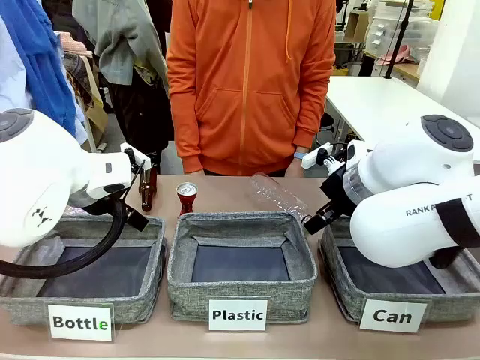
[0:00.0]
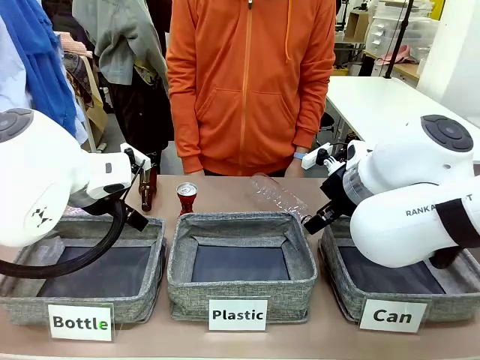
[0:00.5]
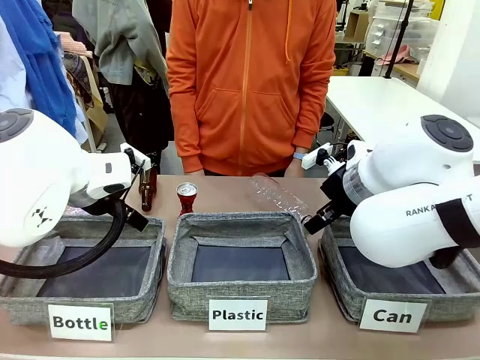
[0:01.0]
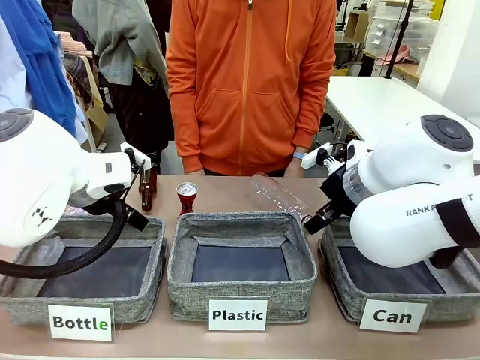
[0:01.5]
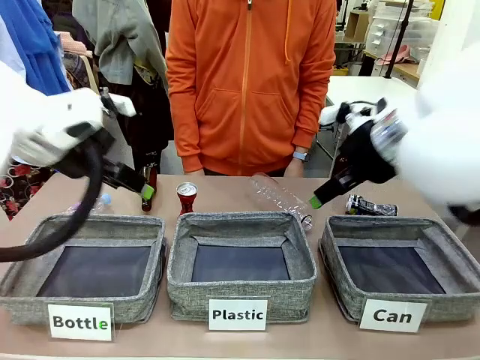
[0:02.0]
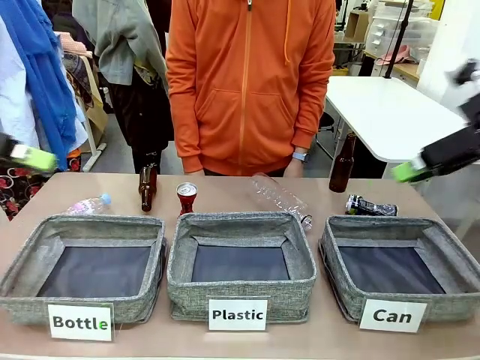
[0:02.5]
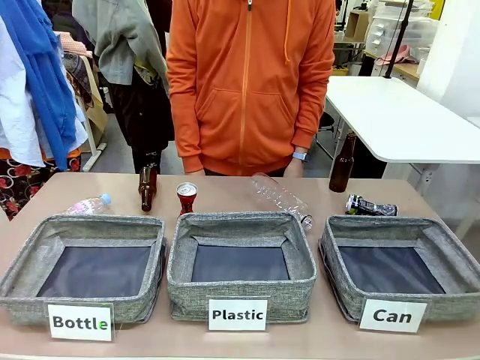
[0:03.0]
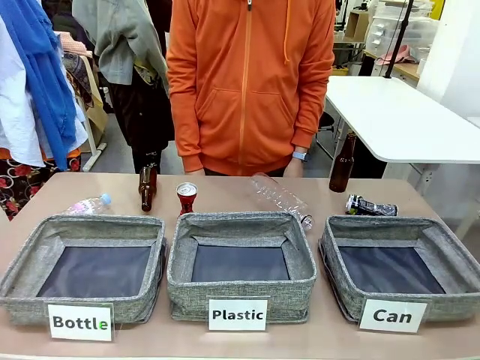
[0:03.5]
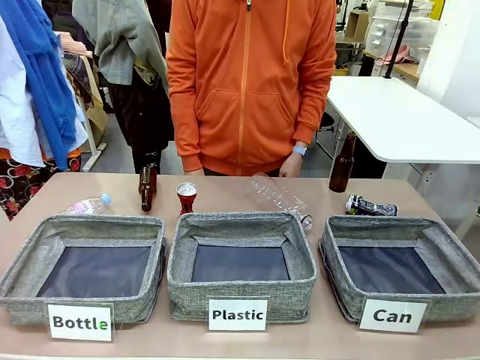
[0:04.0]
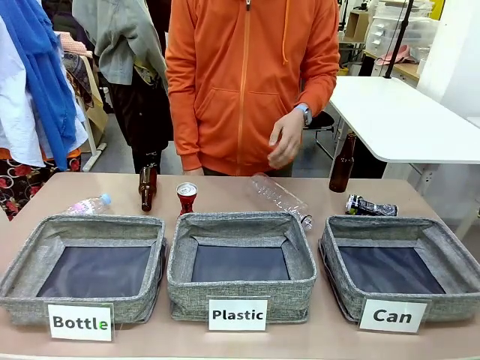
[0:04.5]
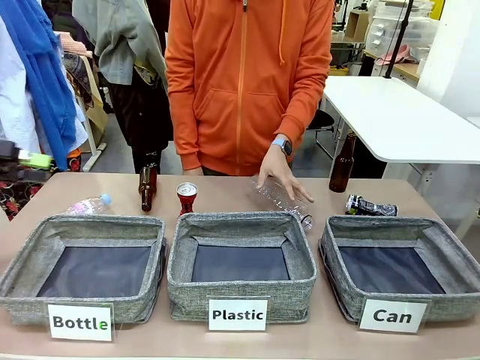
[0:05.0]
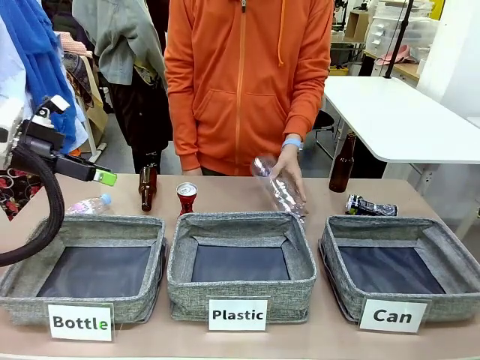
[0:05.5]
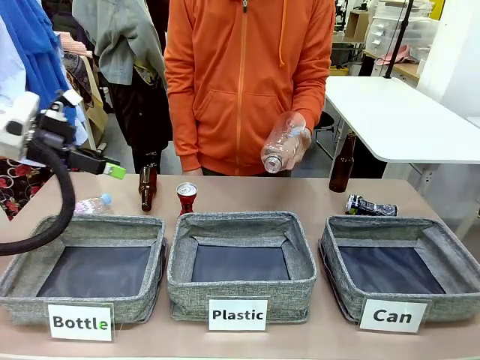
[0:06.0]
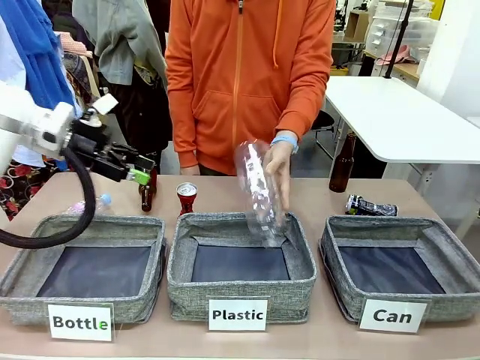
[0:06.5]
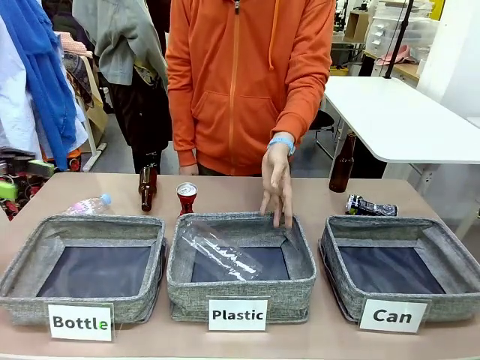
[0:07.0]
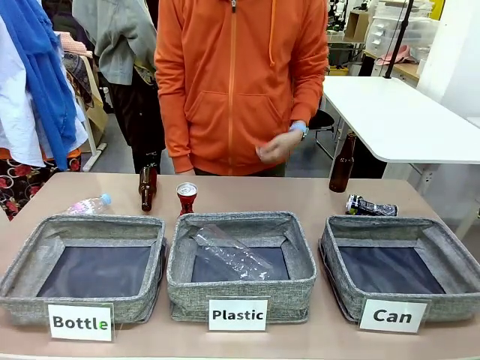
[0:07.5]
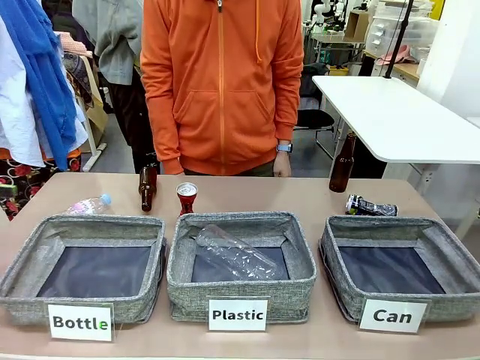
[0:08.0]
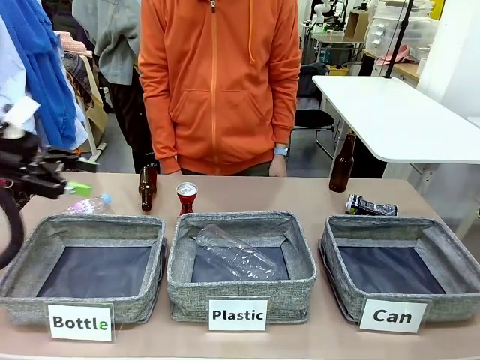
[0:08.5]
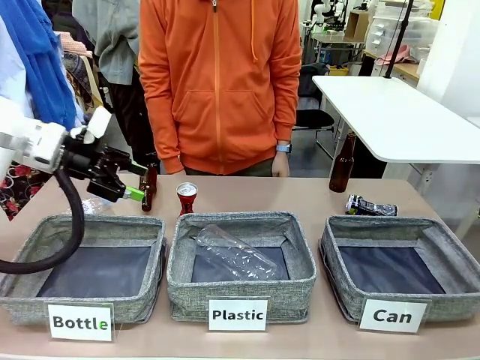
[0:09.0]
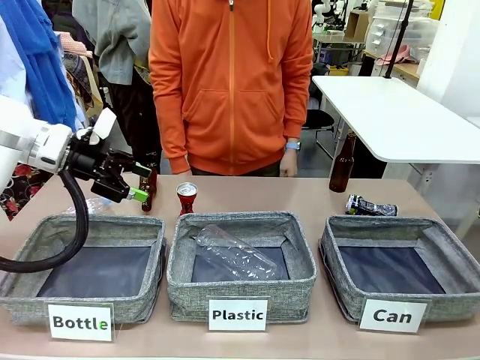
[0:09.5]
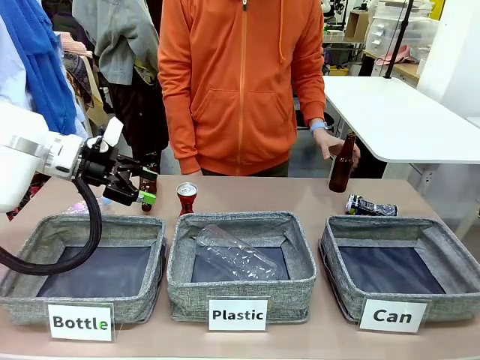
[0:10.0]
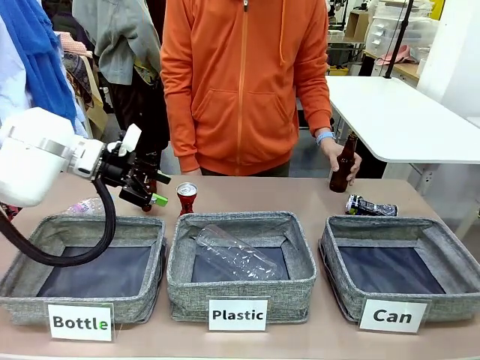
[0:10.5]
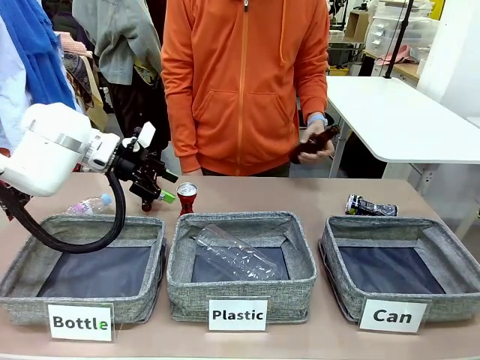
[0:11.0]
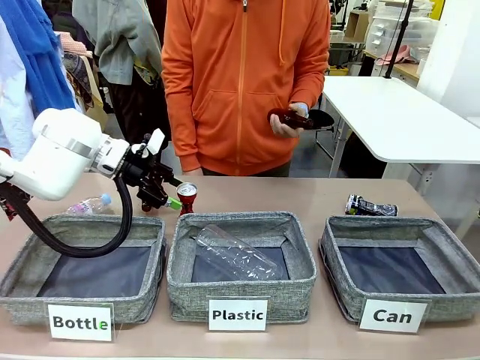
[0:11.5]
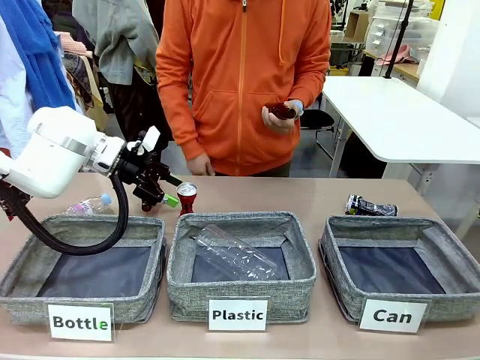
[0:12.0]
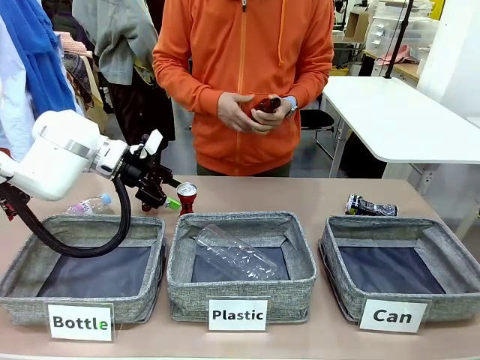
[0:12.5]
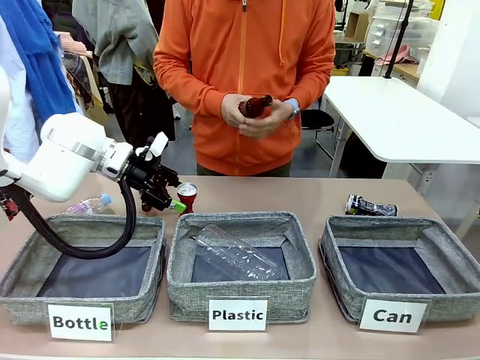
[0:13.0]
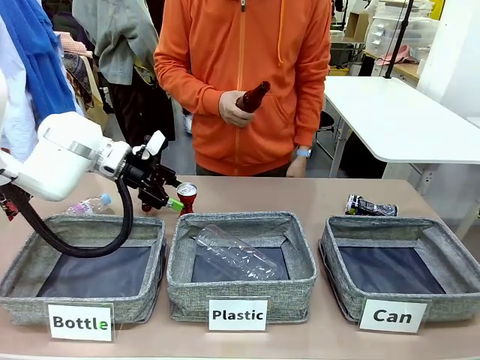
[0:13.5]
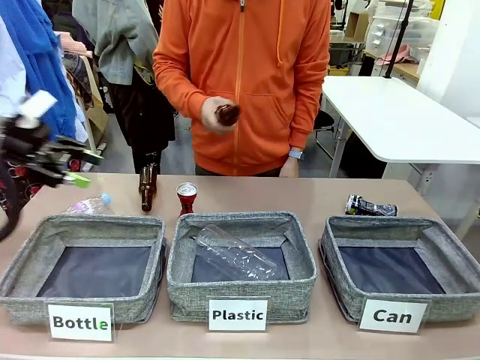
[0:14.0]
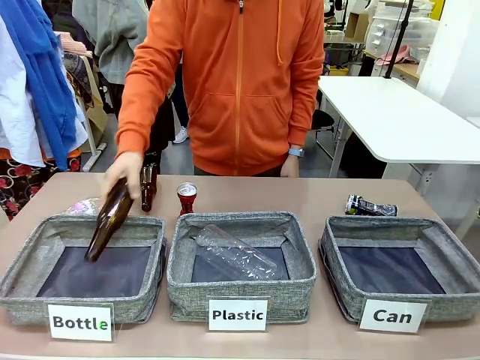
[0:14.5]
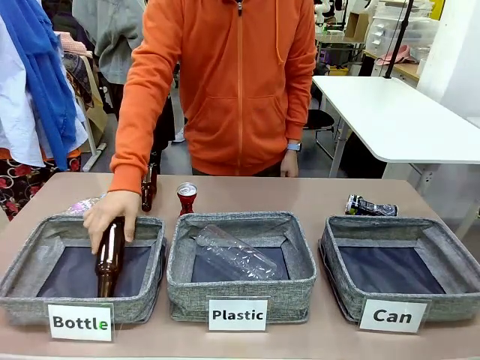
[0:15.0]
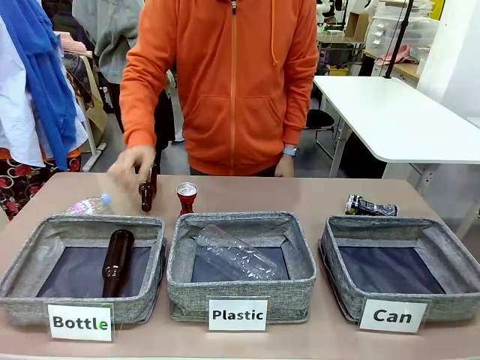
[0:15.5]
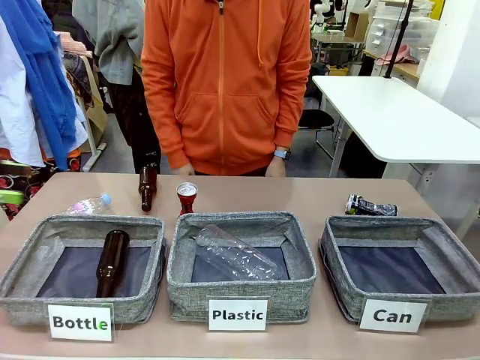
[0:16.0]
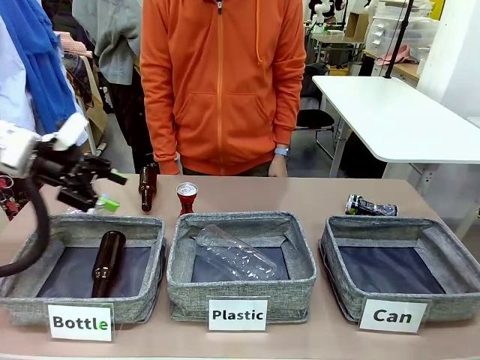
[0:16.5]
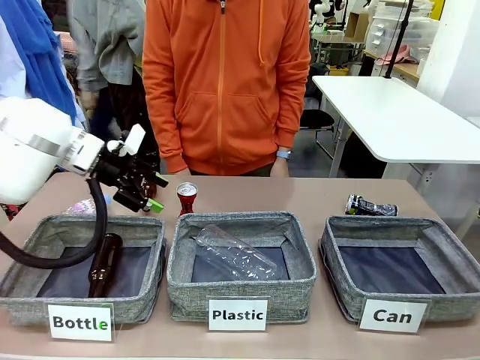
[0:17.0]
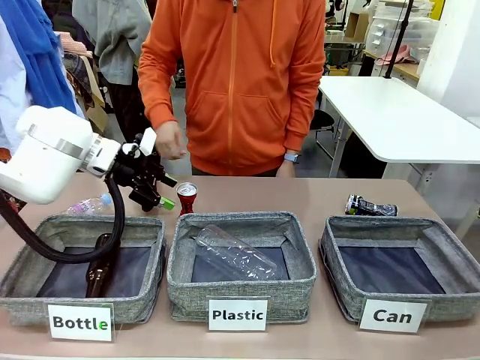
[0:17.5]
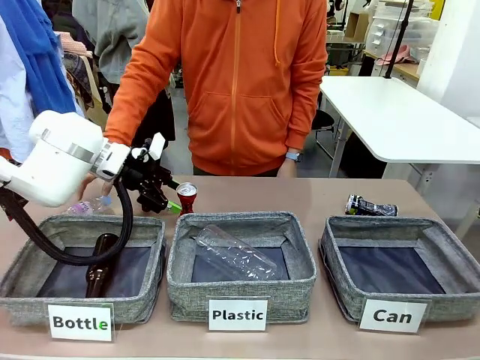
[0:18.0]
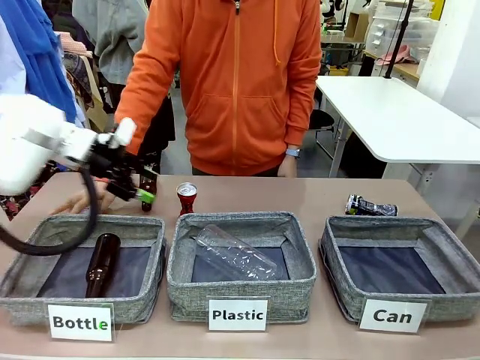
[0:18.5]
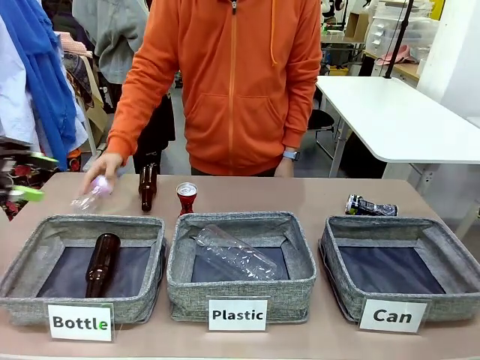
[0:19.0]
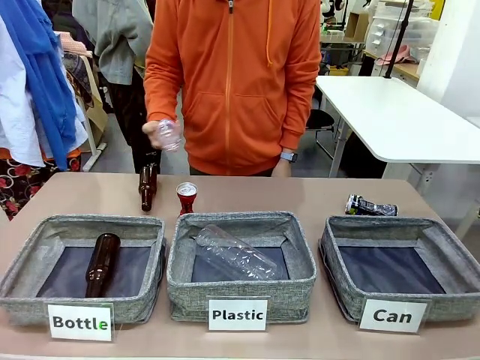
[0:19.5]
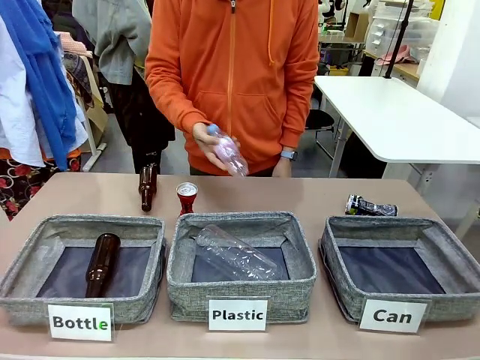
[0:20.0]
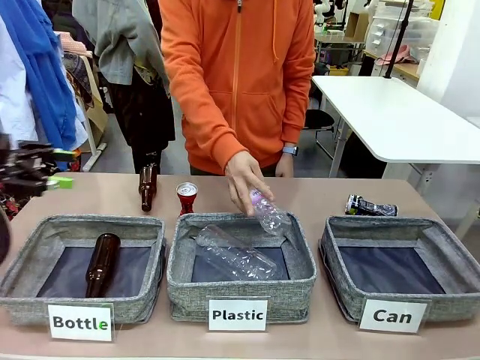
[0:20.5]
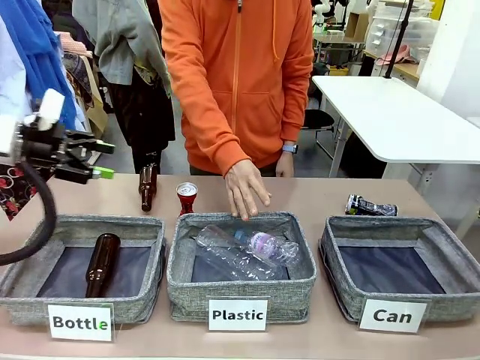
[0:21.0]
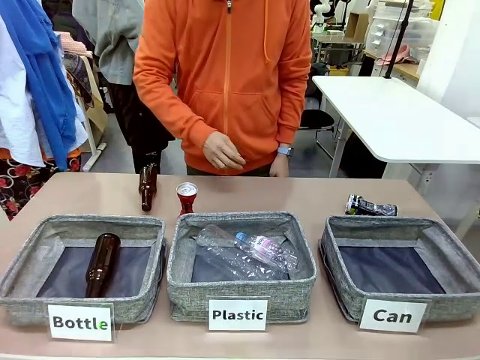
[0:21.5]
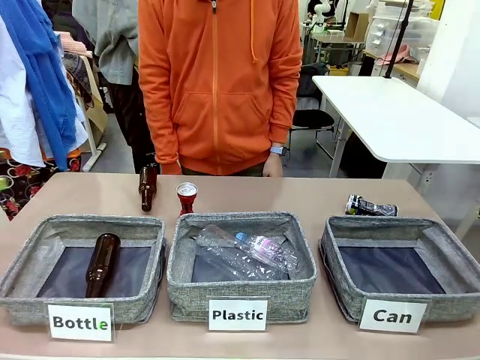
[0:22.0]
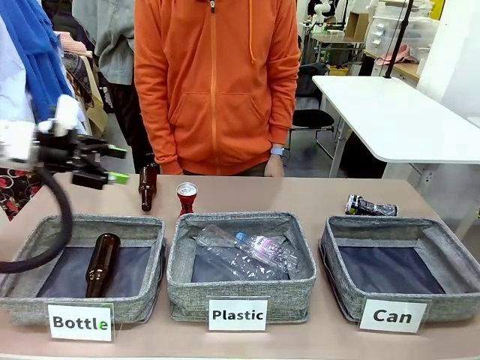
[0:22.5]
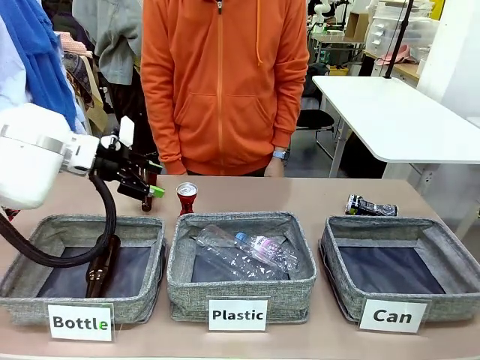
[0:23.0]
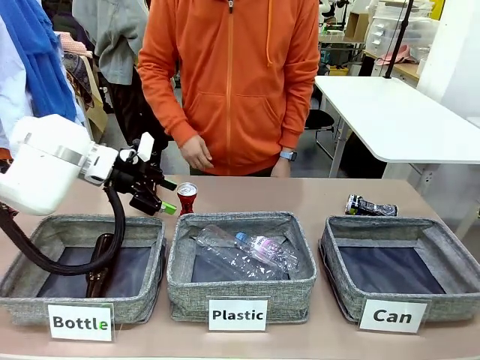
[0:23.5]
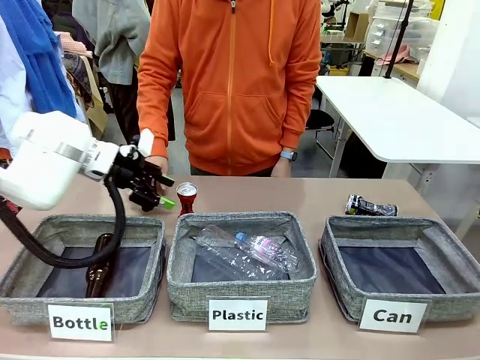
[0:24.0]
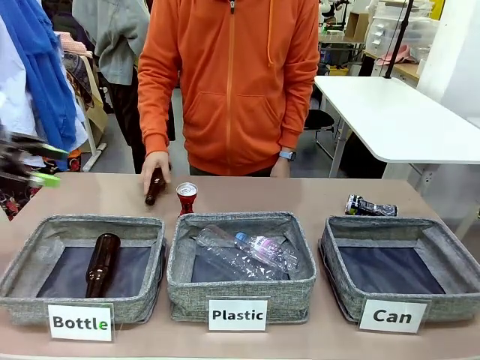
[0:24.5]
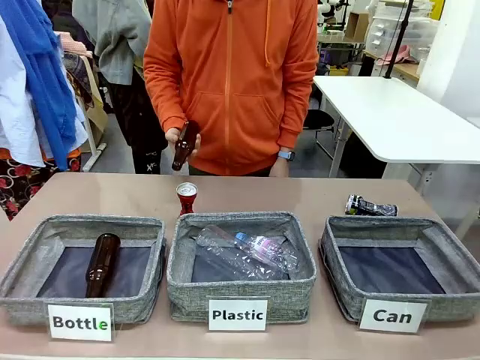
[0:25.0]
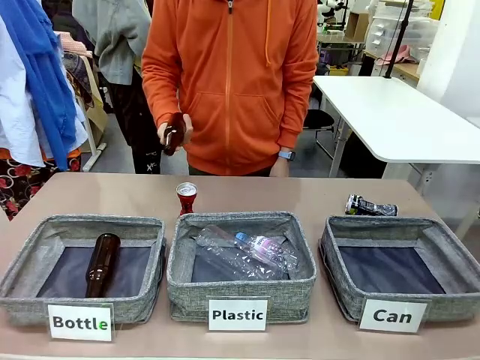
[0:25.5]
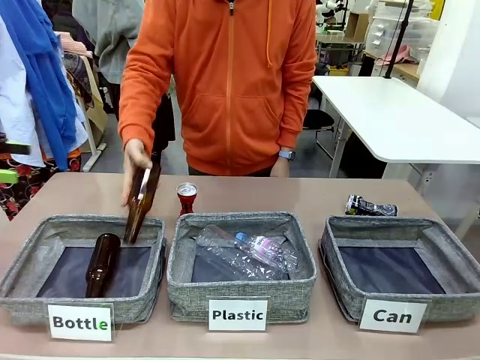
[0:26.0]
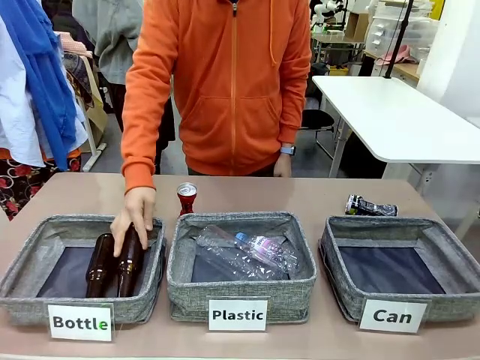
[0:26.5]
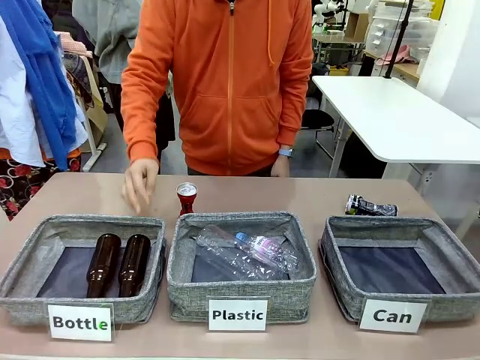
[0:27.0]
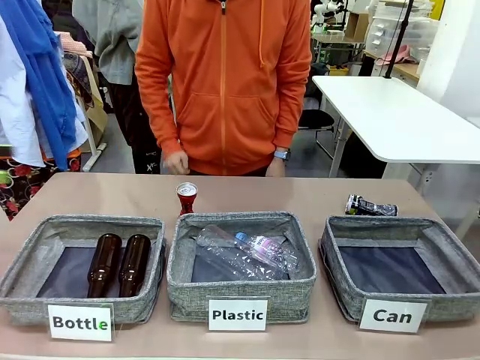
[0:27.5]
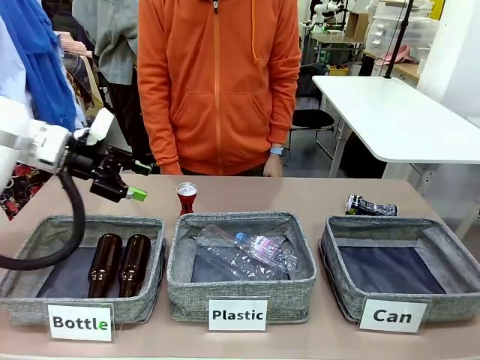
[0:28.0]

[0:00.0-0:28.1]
Task: Sort the can waste into the basket.
Robot: Pick up the can waste from the table and place it in the right Fabric basket.
